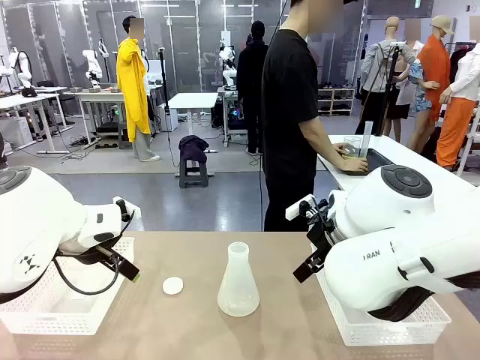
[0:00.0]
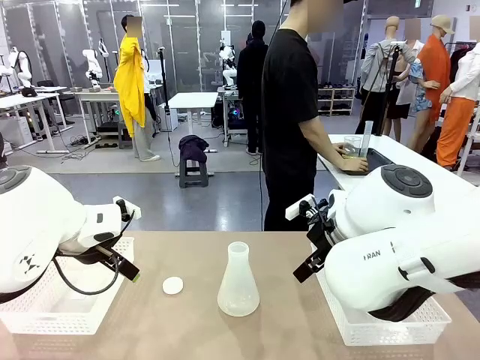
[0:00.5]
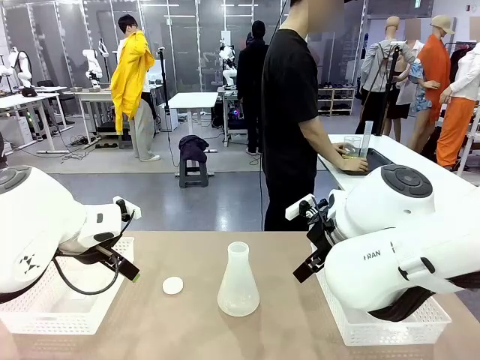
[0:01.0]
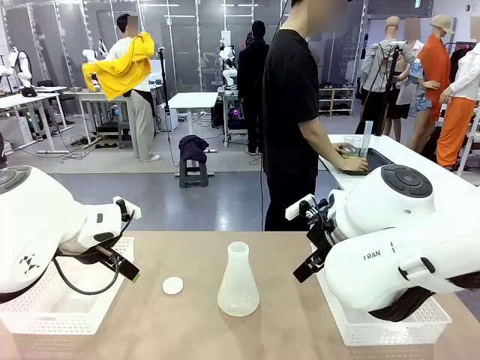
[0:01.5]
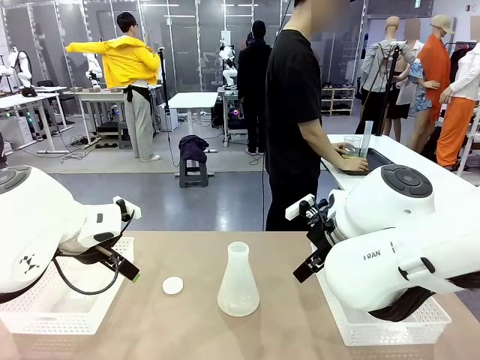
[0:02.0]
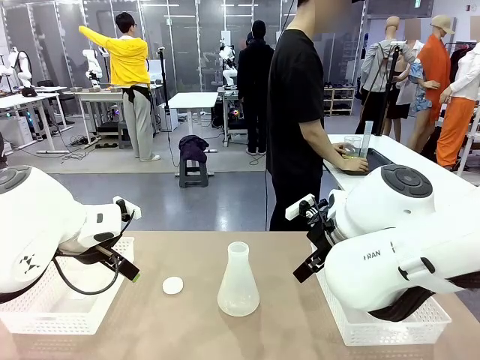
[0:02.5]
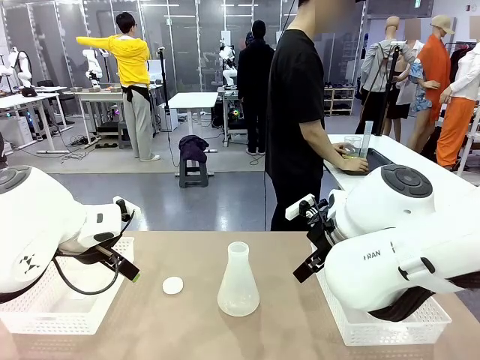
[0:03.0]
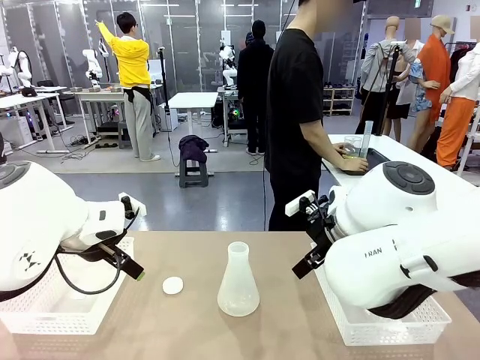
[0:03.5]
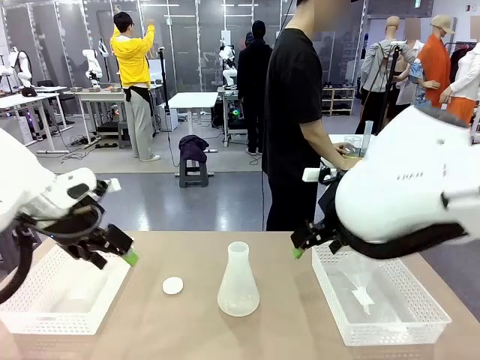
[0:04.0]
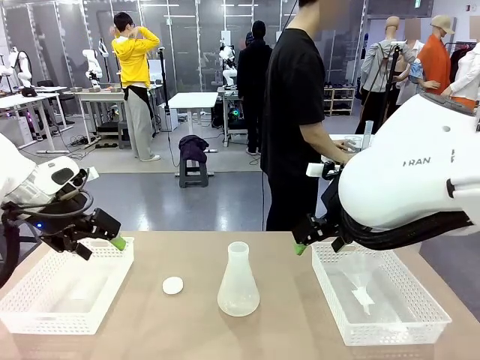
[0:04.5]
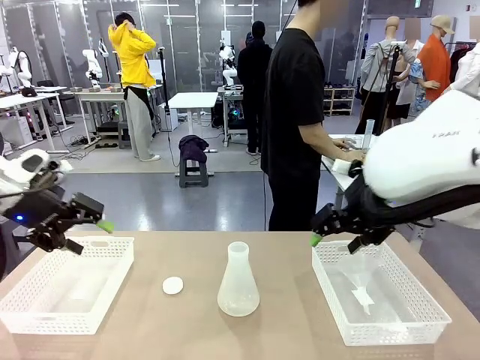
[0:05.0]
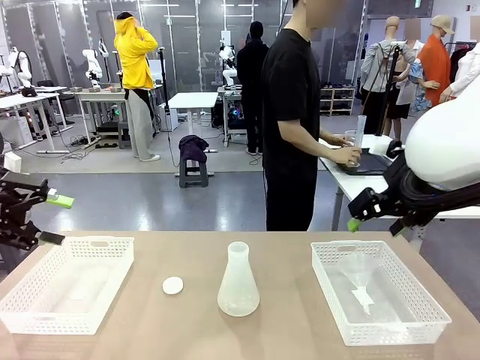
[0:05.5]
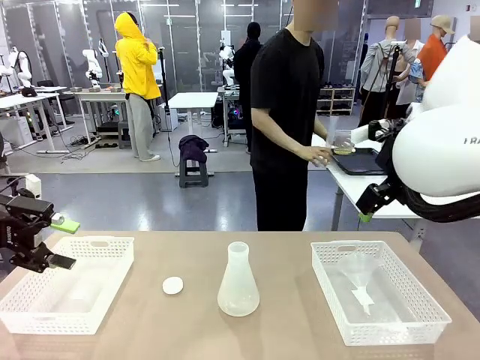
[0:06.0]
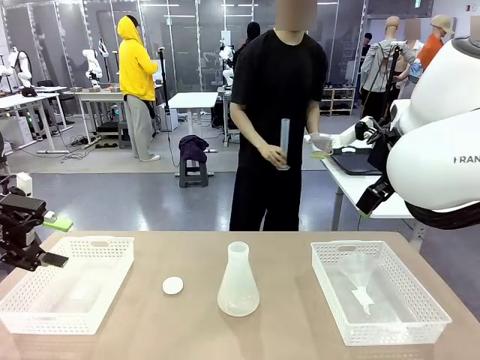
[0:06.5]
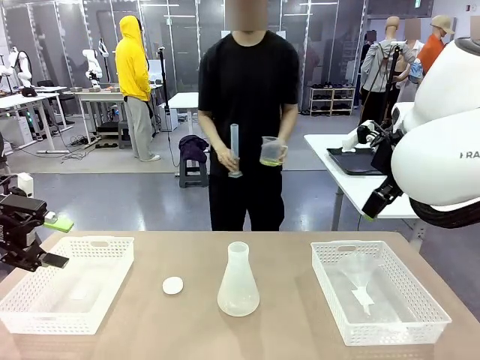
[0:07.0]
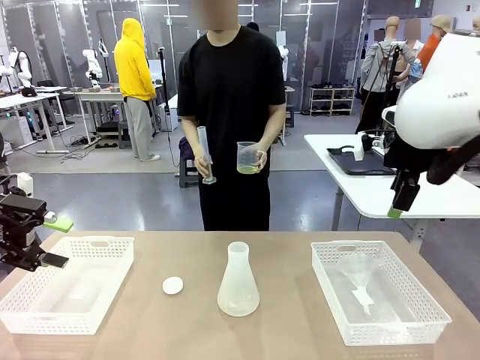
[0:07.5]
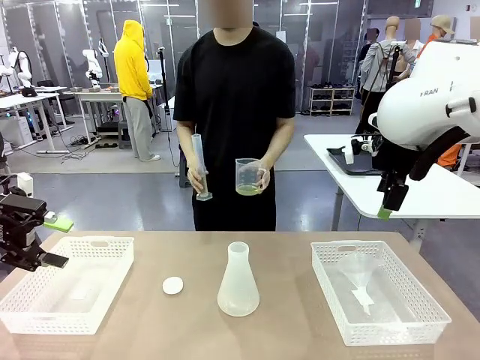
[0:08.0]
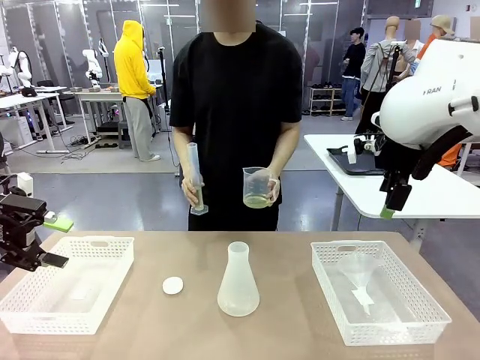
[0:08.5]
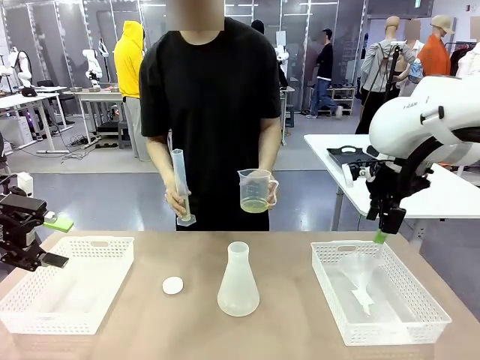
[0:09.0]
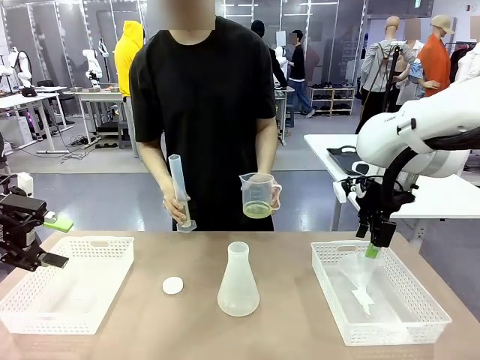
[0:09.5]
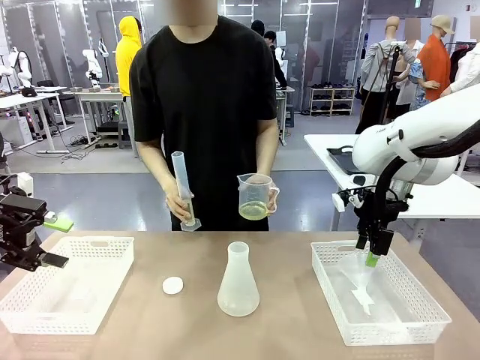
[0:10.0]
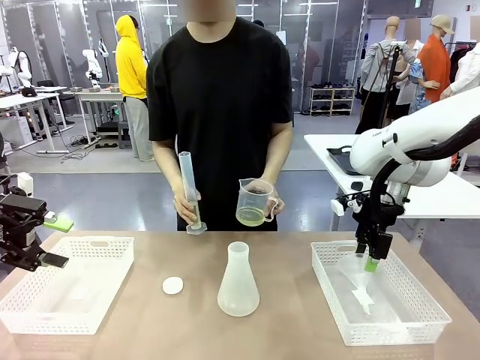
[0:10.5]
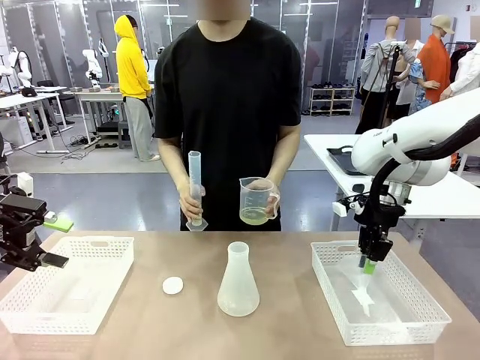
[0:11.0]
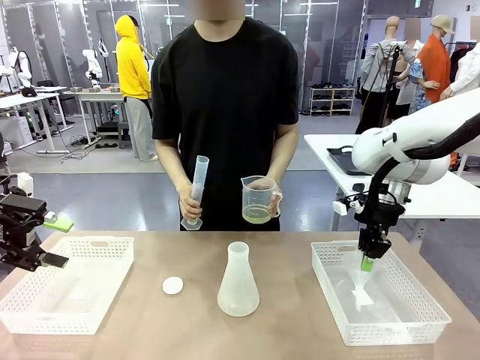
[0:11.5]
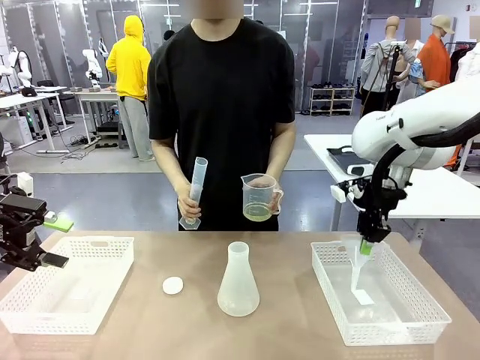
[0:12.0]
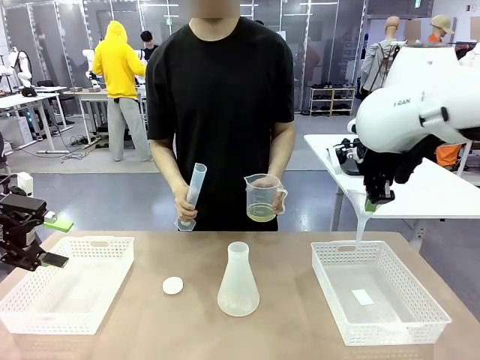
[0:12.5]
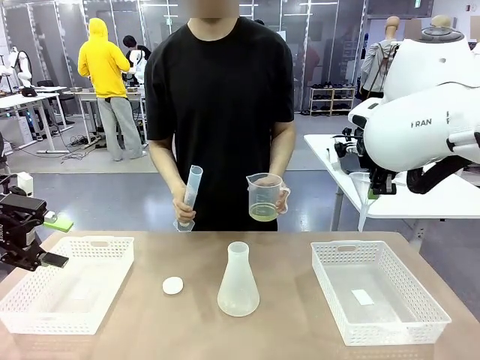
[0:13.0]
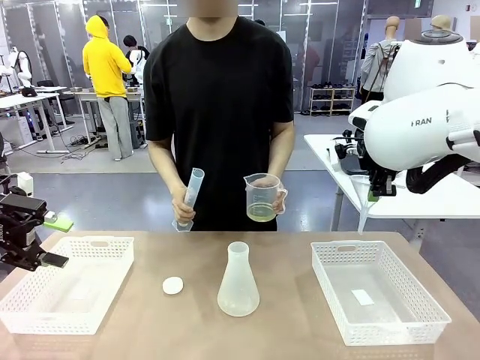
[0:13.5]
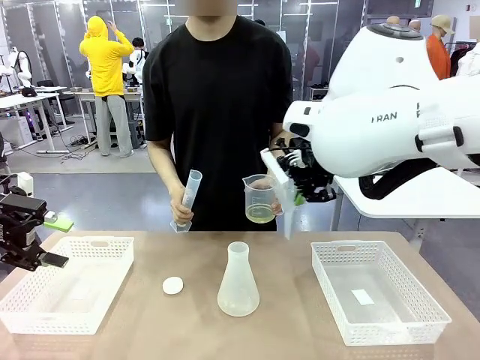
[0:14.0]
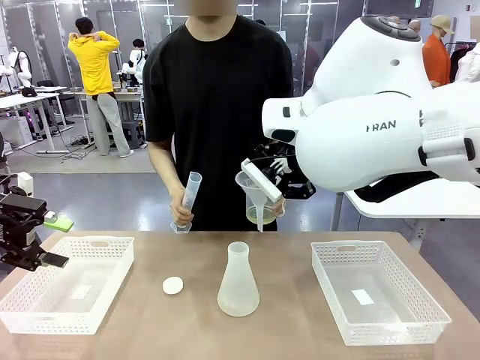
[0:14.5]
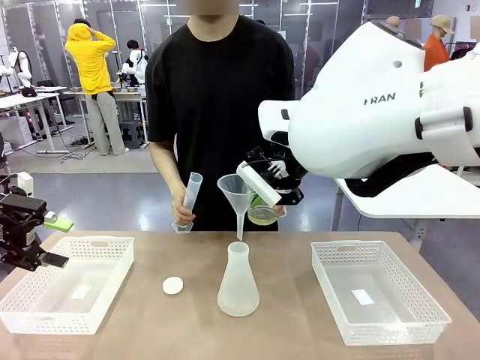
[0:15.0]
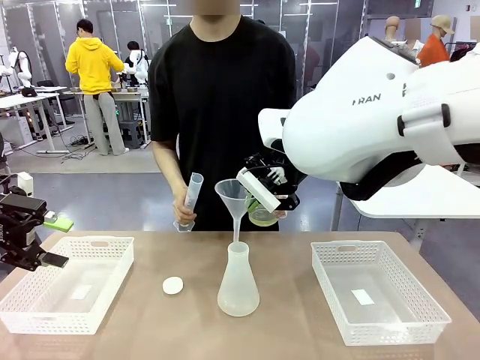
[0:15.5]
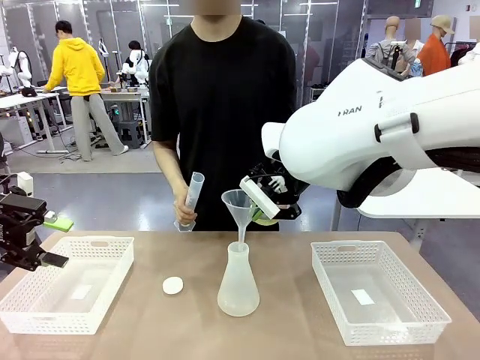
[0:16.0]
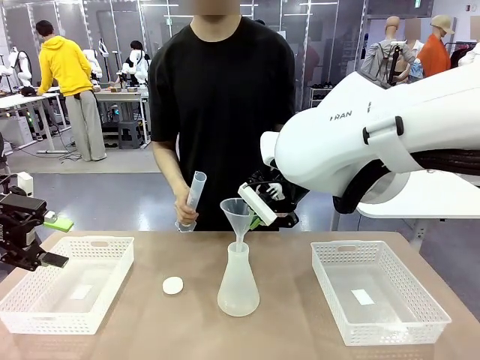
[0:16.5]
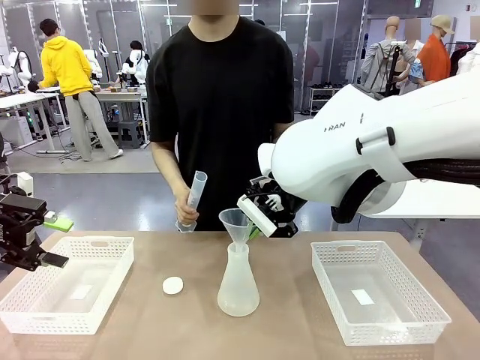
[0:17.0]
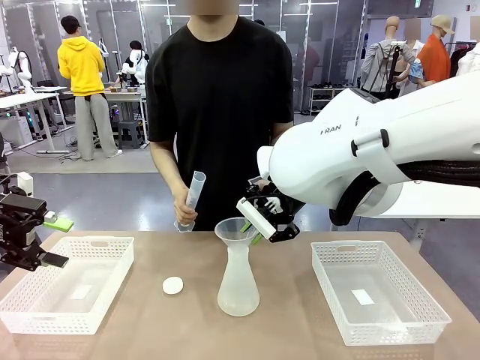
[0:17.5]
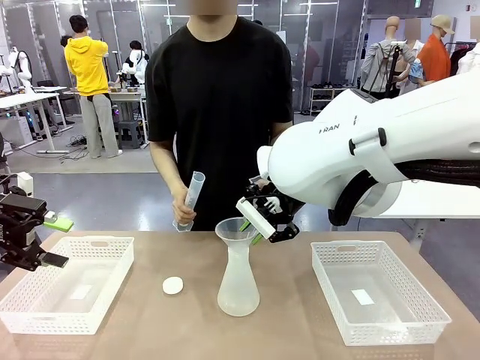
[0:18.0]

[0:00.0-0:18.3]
Task: Prepare the solutions needed for the experiment.
Robot: Pick up the Plastic Funnel and insert it into the Big flask.
Person: Pick up the beaker and the cylinder and move to the middle of the robot table.

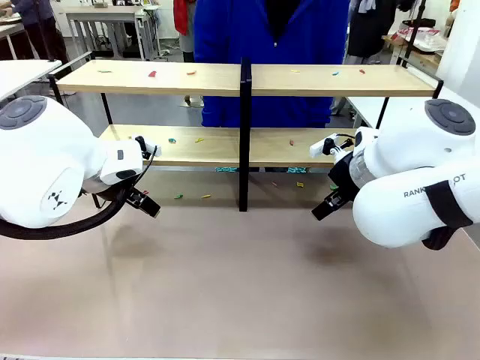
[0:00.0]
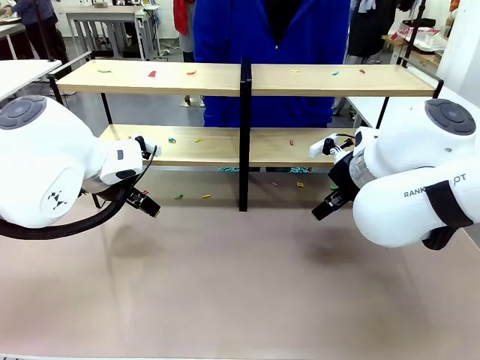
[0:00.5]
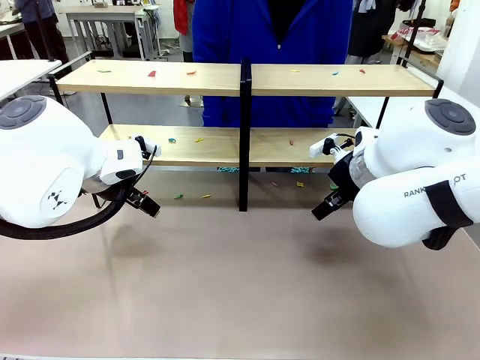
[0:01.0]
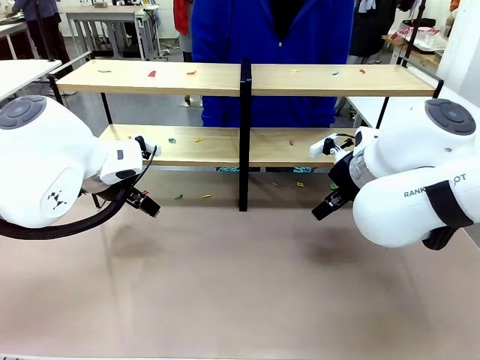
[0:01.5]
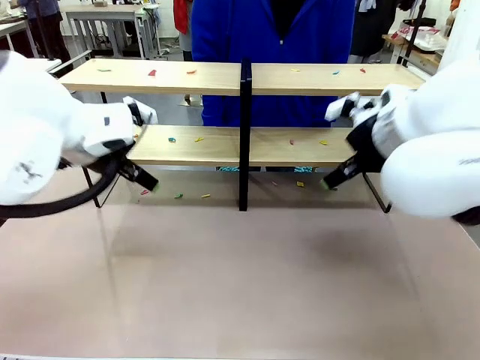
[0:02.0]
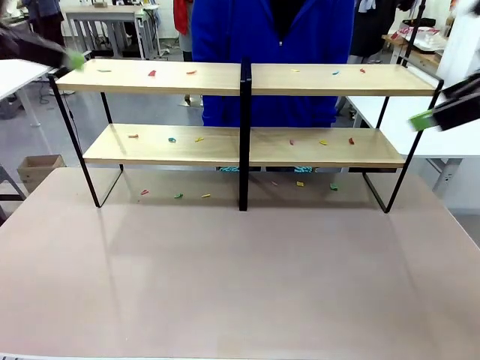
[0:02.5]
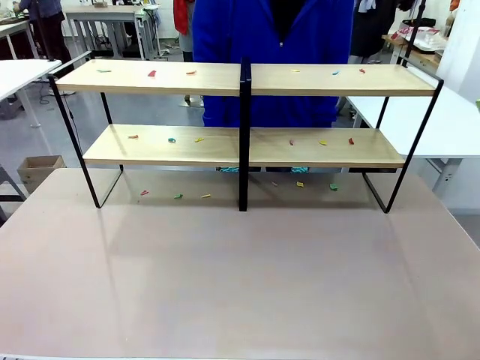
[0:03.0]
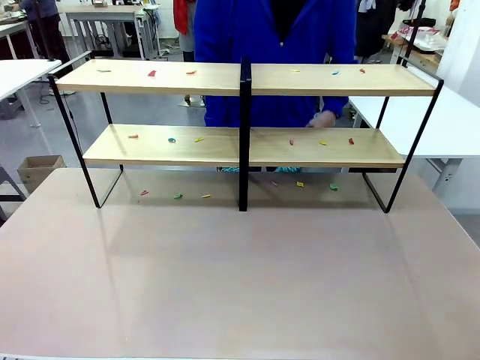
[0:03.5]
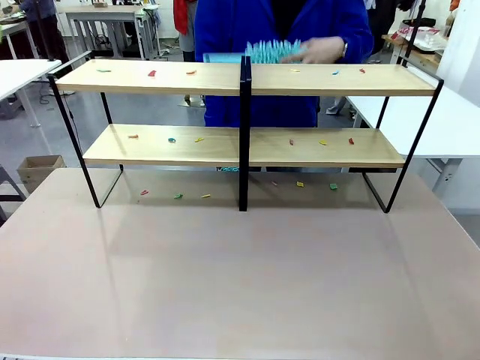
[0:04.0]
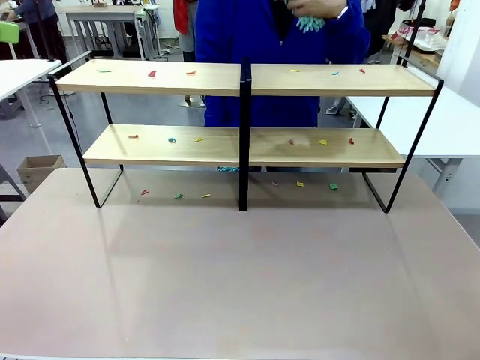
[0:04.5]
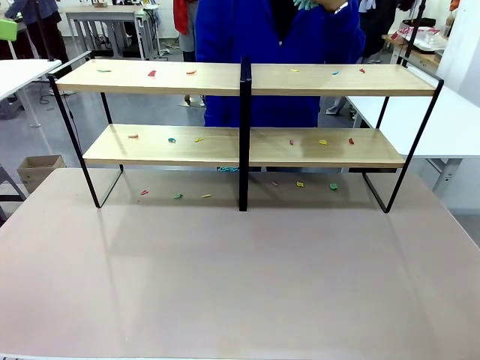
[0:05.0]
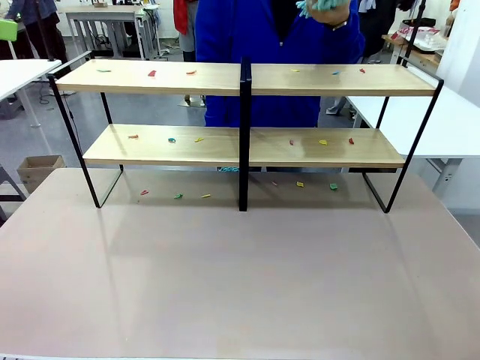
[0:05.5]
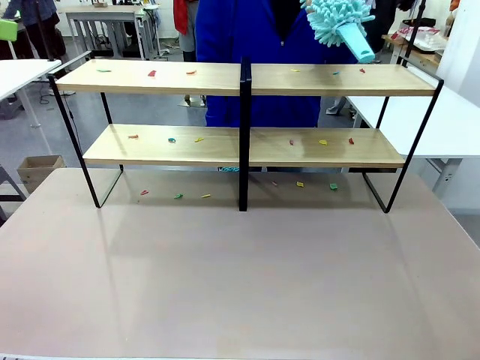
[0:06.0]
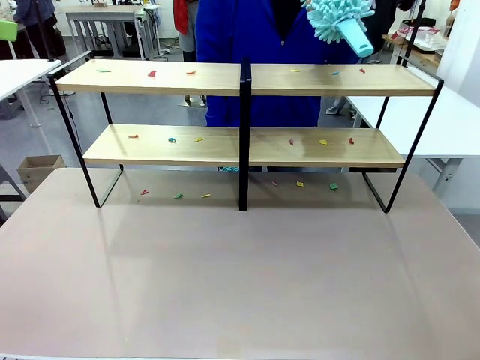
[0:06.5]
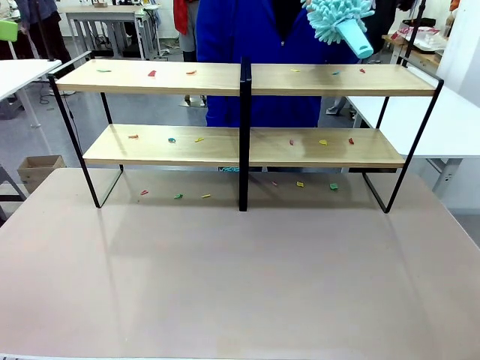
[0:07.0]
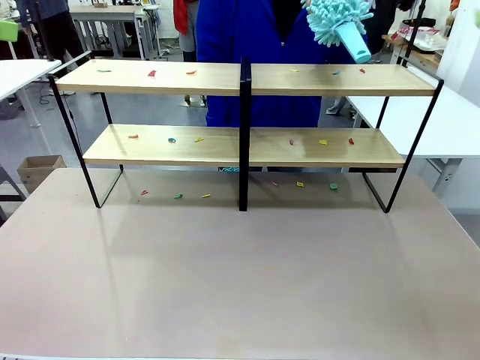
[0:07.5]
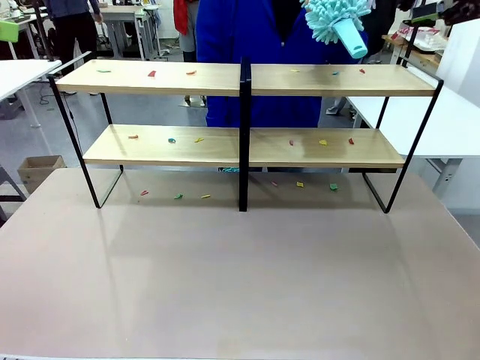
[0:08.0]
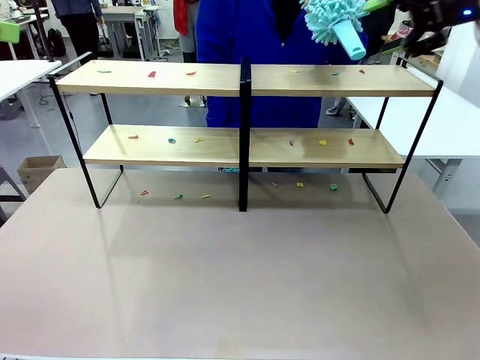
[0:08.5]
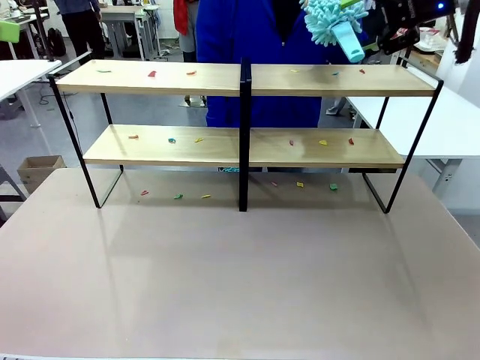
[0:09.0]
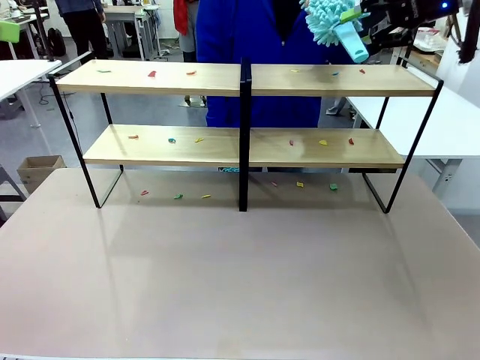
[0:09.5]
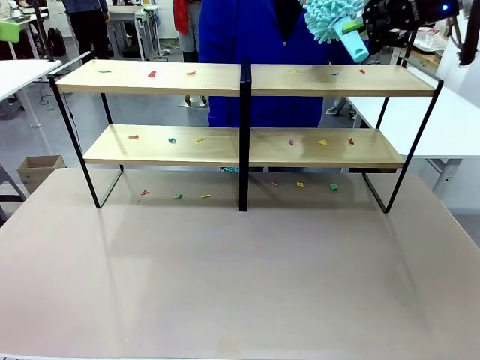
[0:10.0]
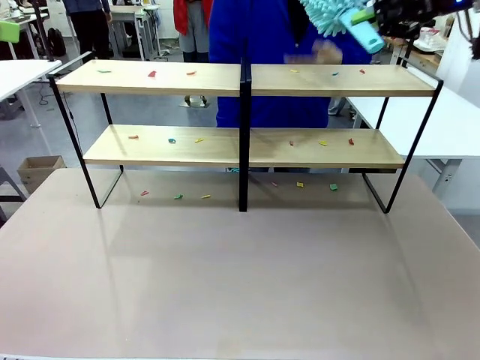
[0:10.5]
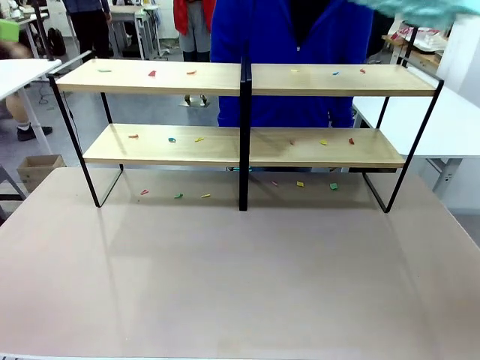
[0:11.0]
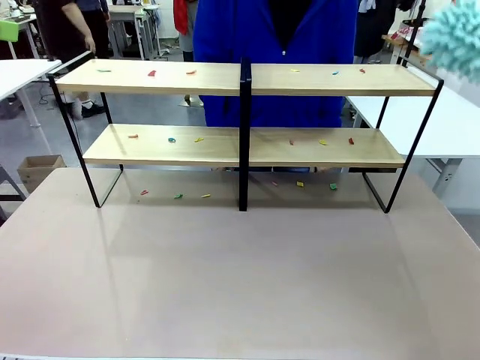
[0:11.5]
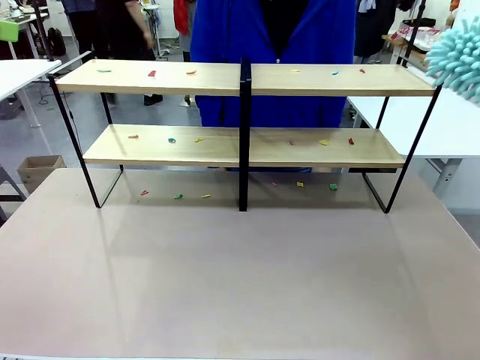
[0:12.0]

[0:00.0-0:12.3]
Task: Clean the shelves.
Robot: Pick up the Duster when the human hands it over.
Person: Hand the Duster to the robot with your right (or left) hand.
